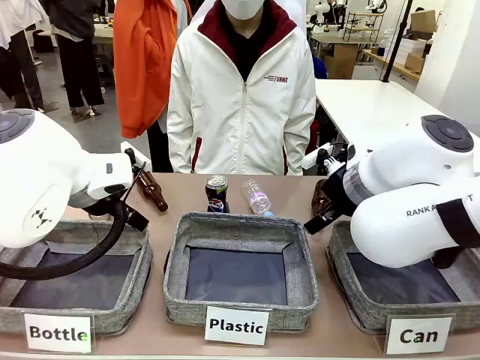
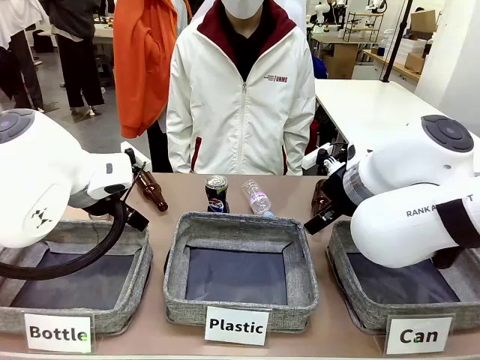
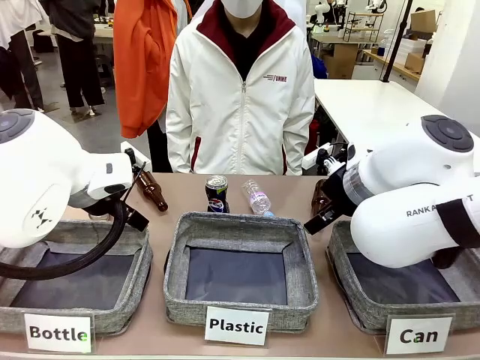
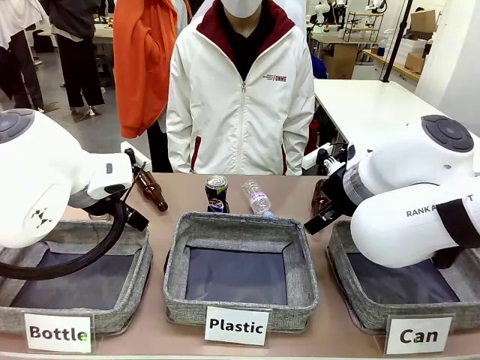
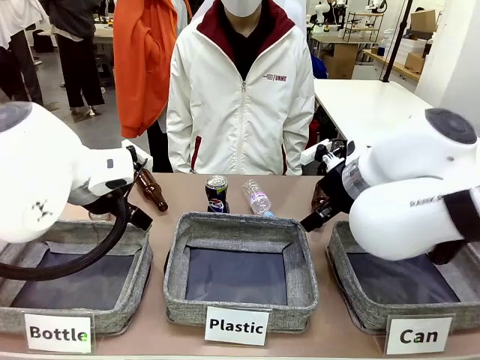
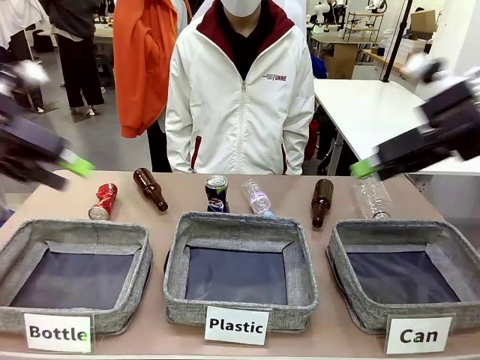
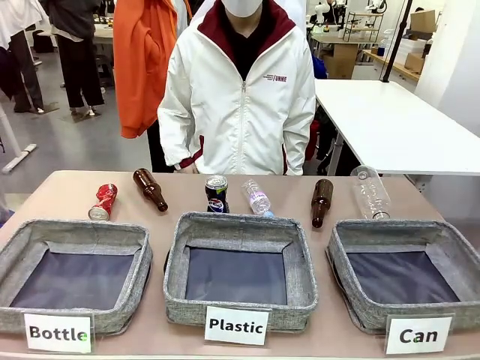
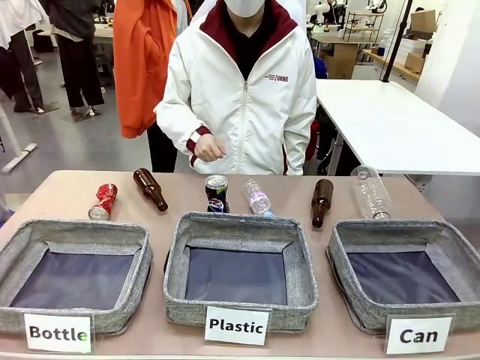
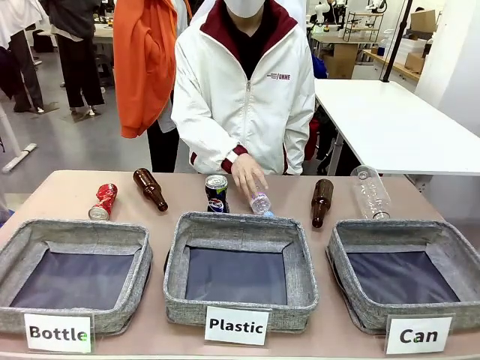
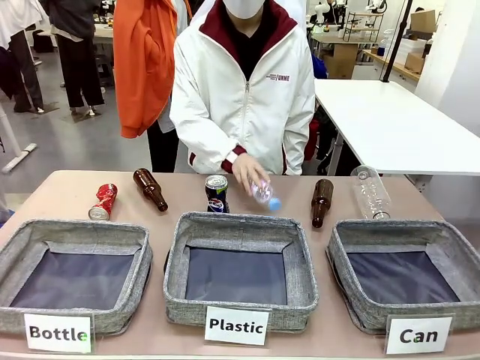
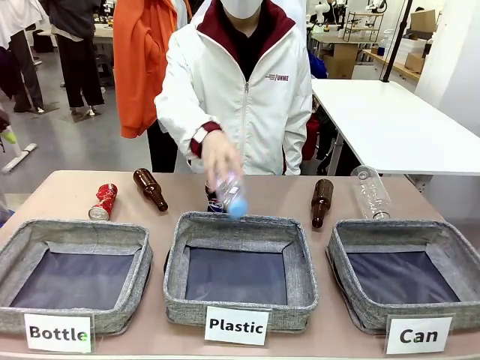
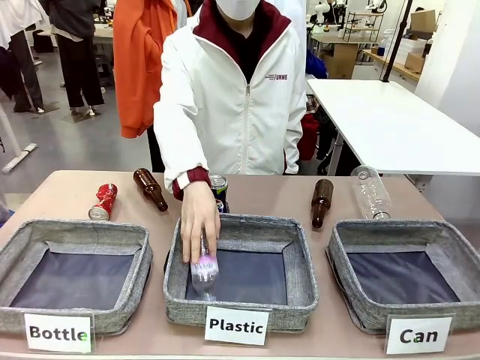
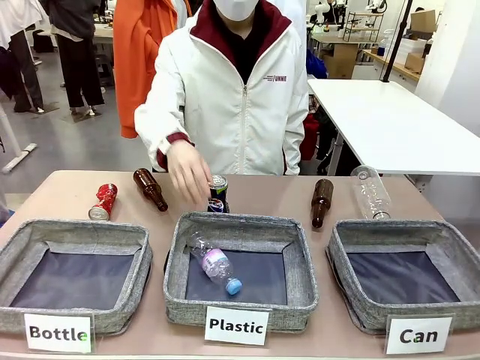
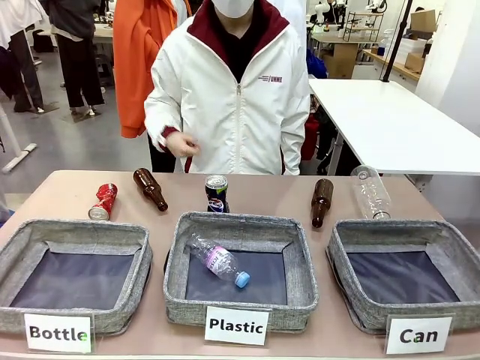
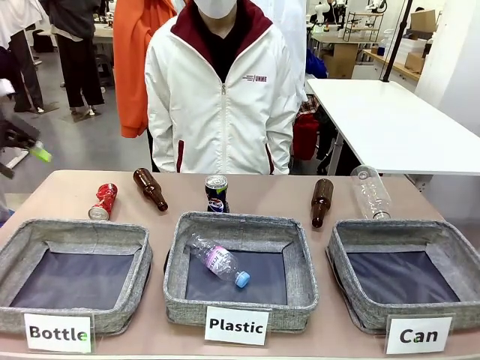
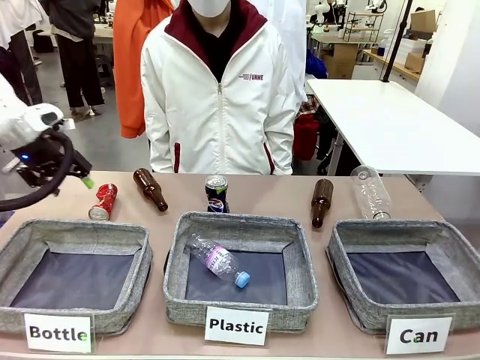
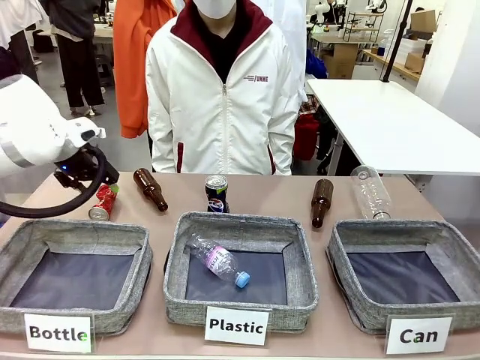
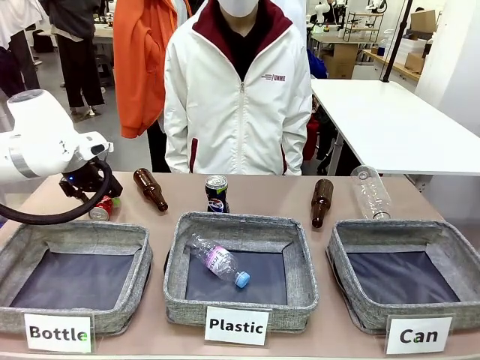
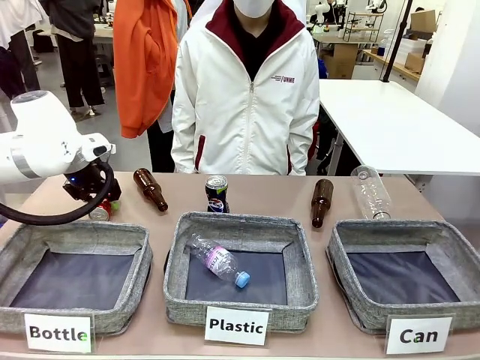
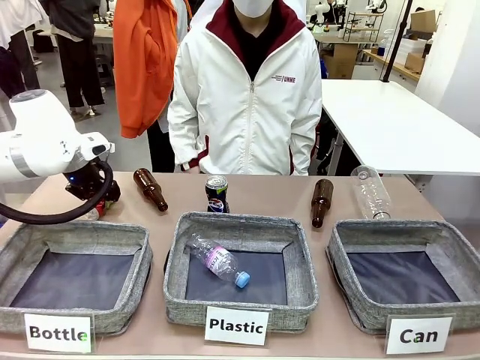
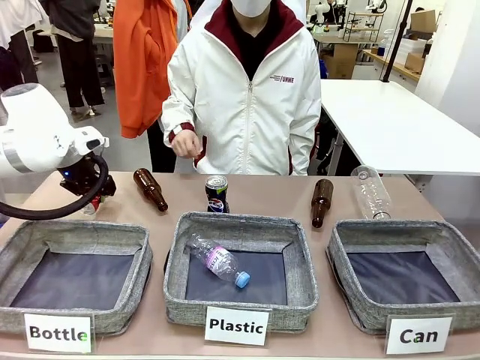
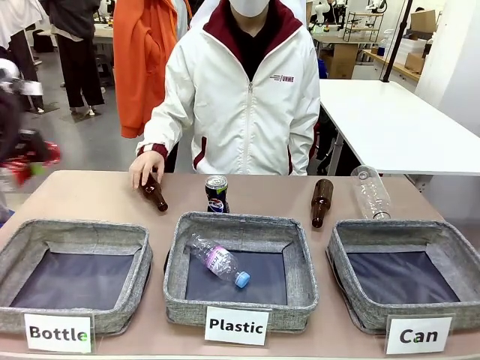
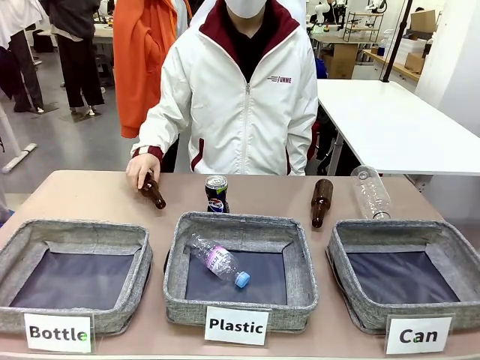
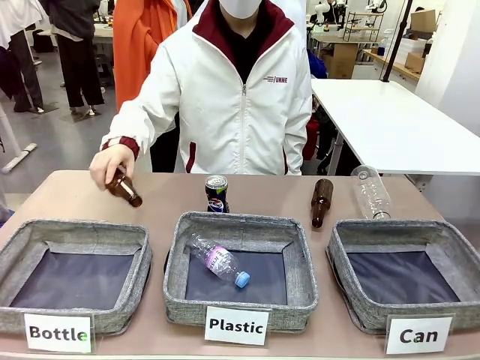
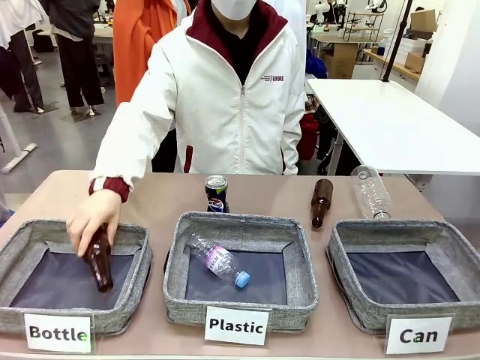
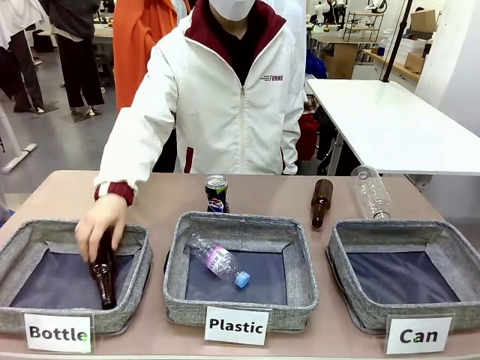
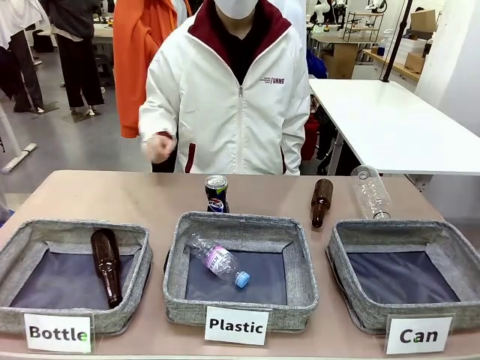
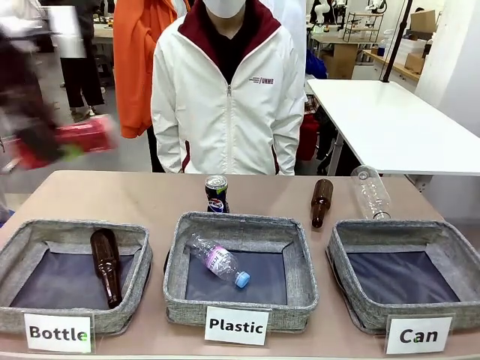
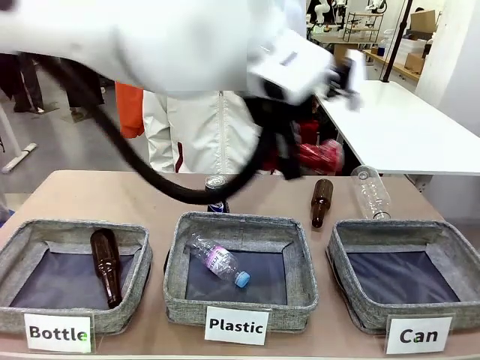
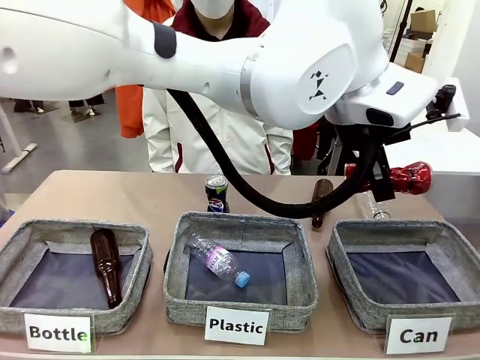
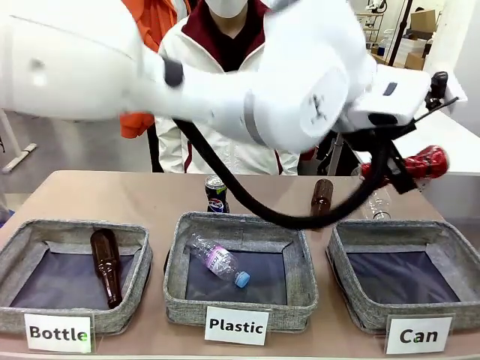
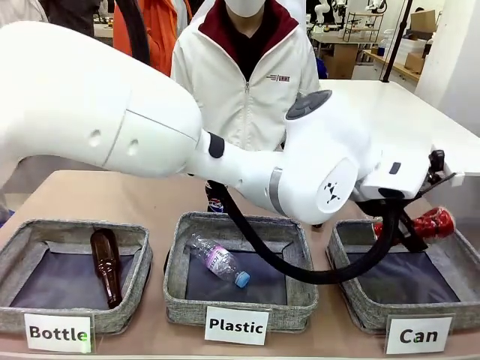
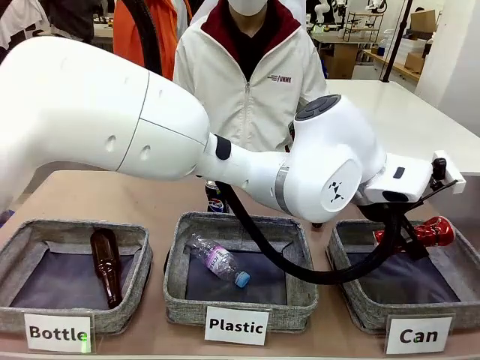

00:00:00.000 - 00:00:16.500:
Task: Sort the can waste into the basket.
Robot: Pick up the can waste from the table and place it in the right Fabric basket.
